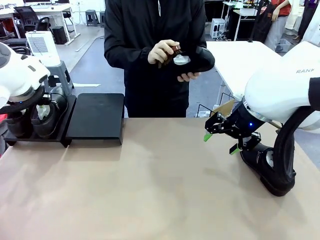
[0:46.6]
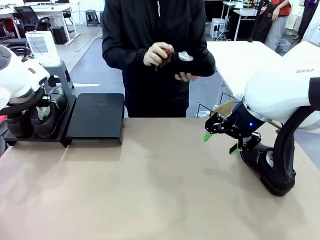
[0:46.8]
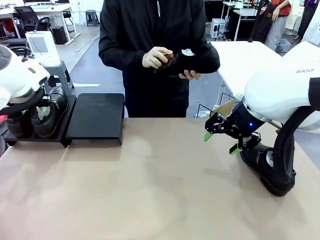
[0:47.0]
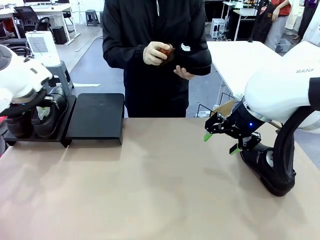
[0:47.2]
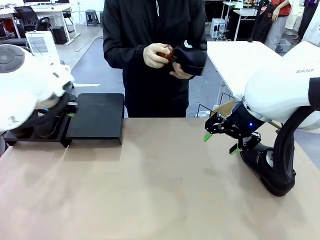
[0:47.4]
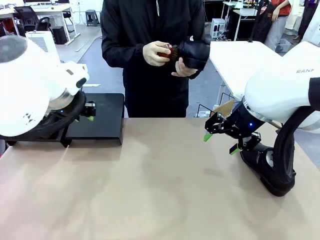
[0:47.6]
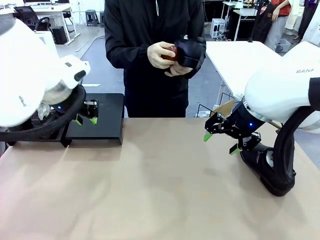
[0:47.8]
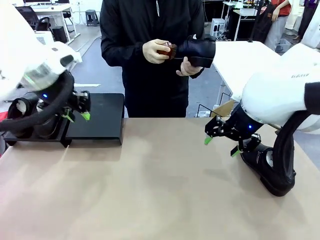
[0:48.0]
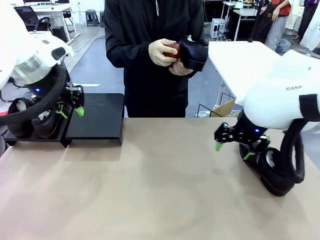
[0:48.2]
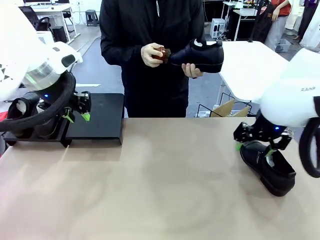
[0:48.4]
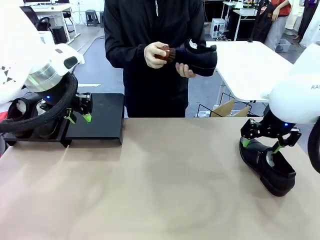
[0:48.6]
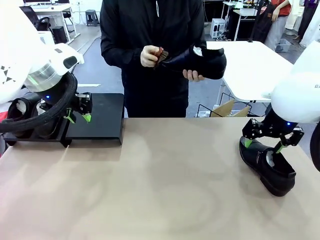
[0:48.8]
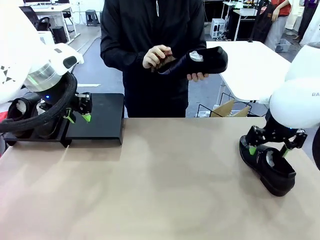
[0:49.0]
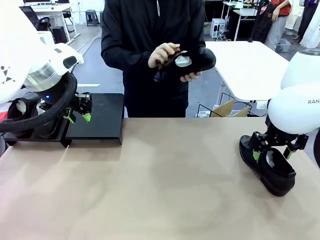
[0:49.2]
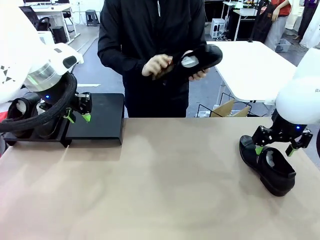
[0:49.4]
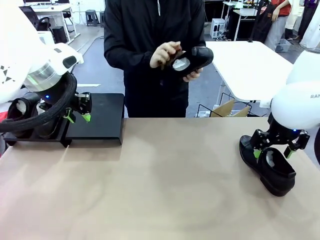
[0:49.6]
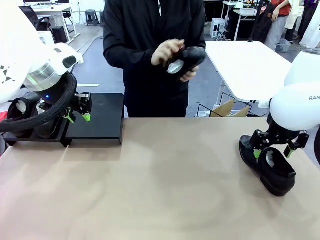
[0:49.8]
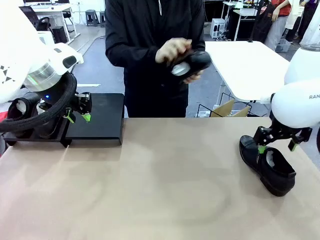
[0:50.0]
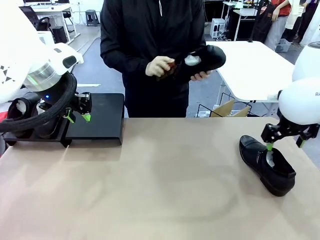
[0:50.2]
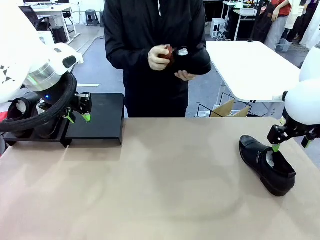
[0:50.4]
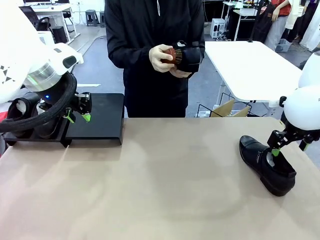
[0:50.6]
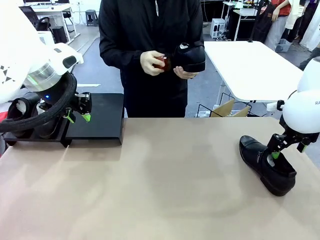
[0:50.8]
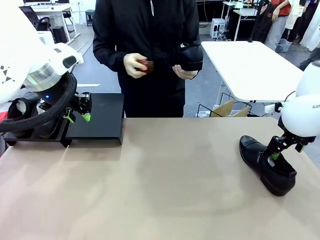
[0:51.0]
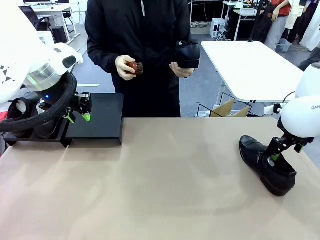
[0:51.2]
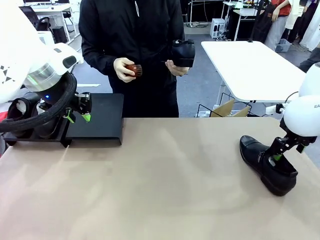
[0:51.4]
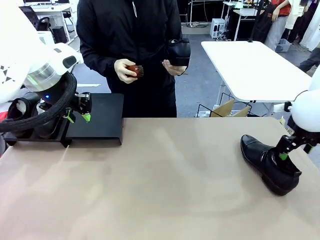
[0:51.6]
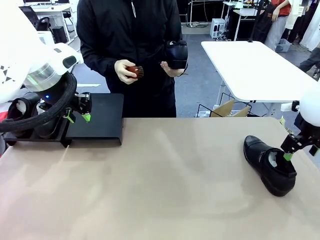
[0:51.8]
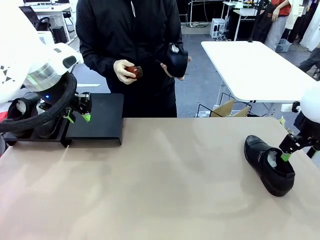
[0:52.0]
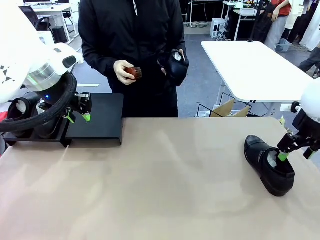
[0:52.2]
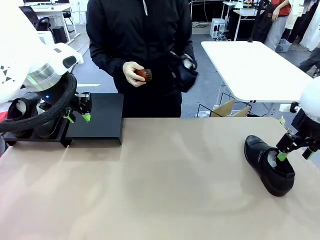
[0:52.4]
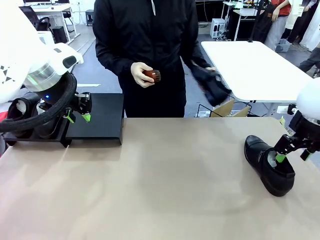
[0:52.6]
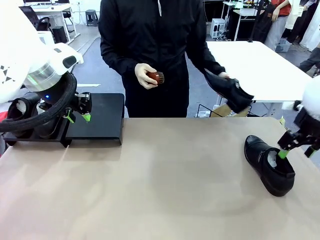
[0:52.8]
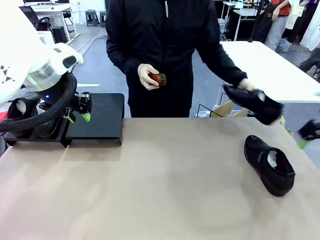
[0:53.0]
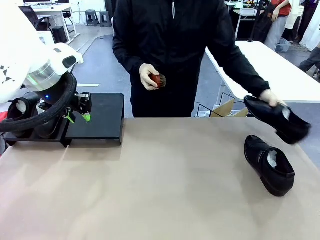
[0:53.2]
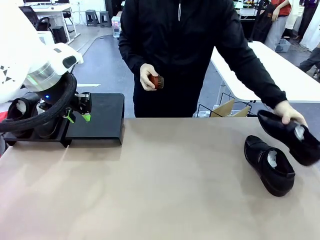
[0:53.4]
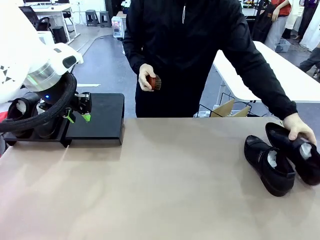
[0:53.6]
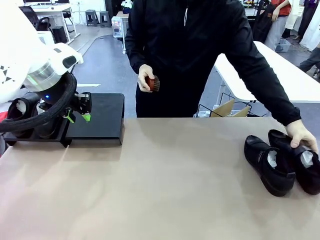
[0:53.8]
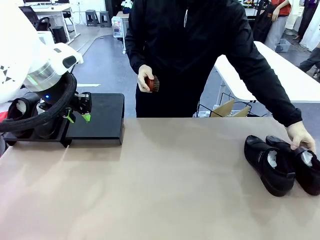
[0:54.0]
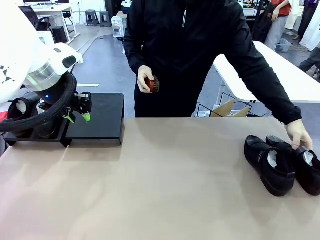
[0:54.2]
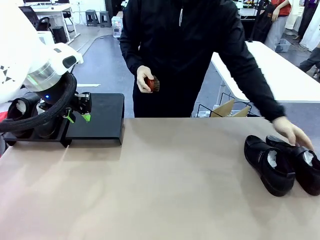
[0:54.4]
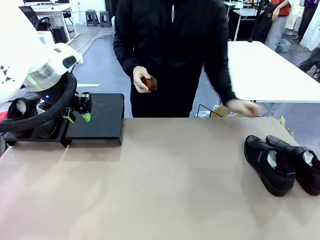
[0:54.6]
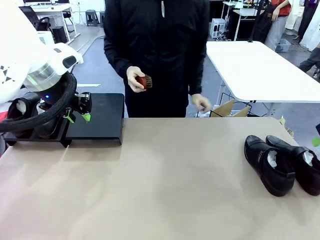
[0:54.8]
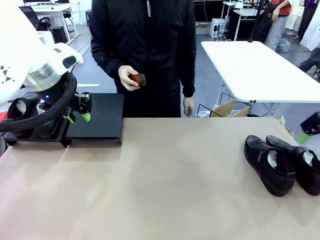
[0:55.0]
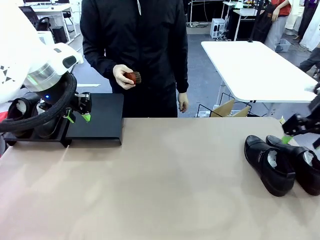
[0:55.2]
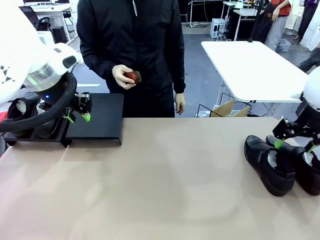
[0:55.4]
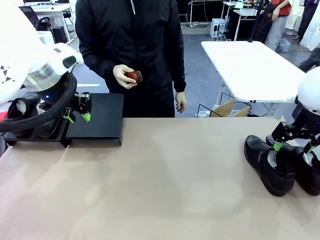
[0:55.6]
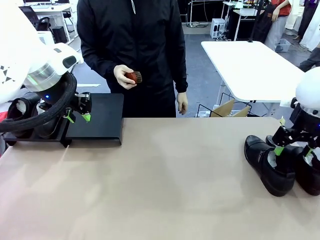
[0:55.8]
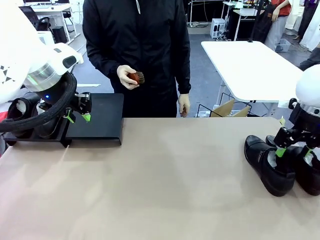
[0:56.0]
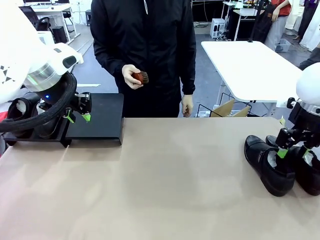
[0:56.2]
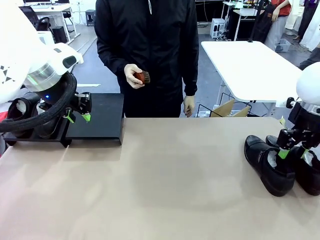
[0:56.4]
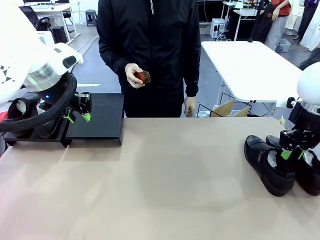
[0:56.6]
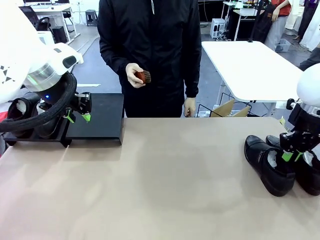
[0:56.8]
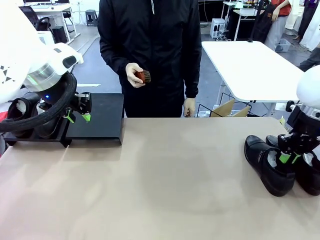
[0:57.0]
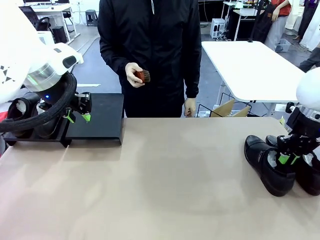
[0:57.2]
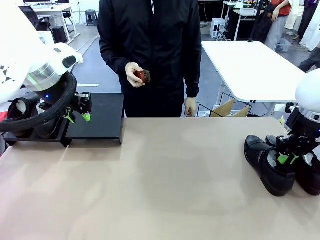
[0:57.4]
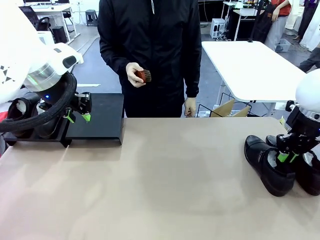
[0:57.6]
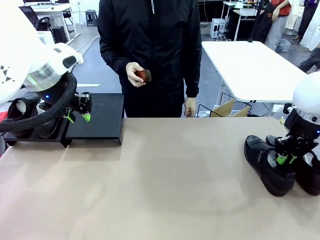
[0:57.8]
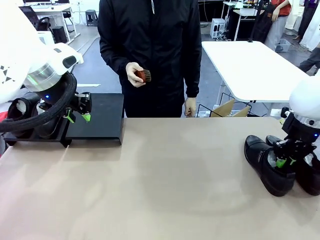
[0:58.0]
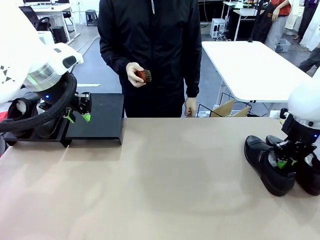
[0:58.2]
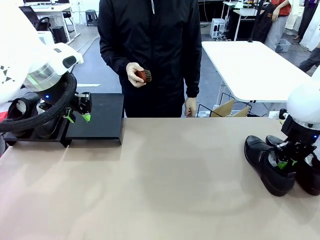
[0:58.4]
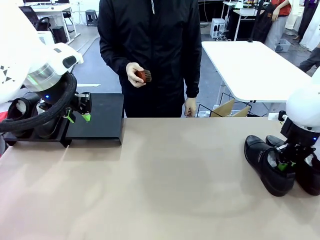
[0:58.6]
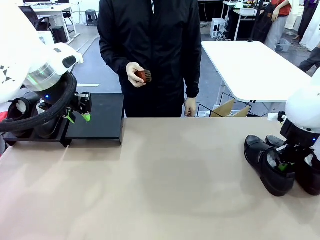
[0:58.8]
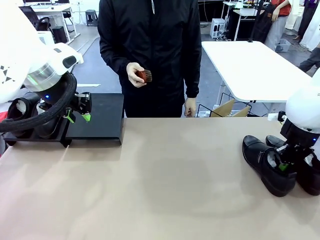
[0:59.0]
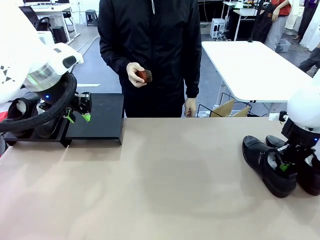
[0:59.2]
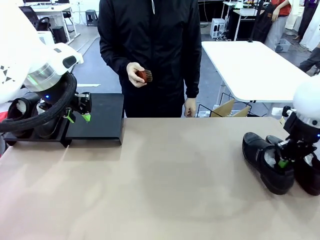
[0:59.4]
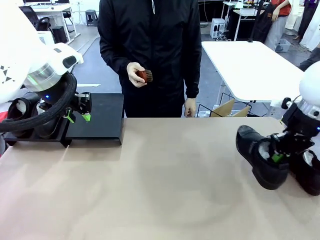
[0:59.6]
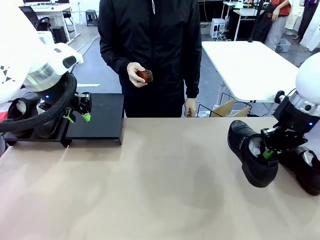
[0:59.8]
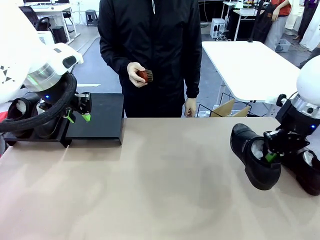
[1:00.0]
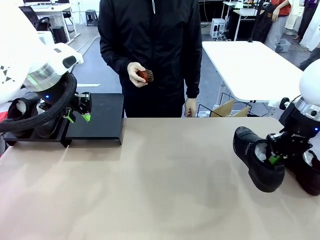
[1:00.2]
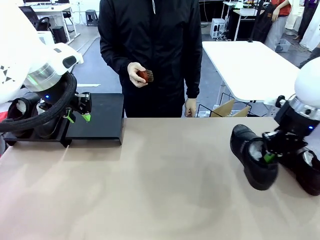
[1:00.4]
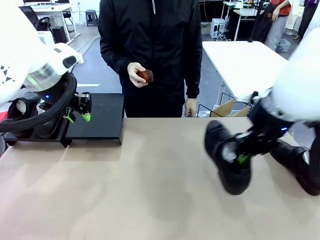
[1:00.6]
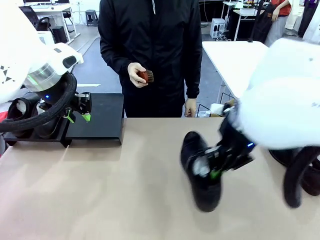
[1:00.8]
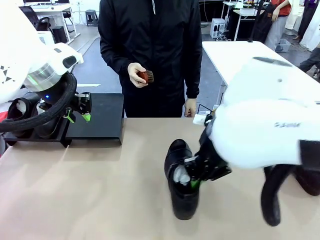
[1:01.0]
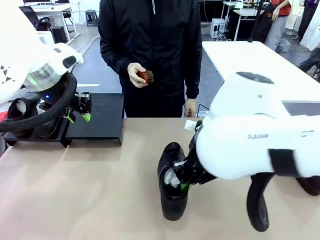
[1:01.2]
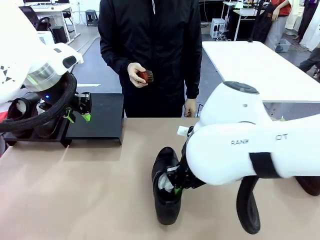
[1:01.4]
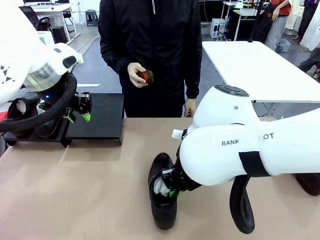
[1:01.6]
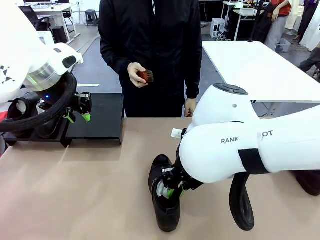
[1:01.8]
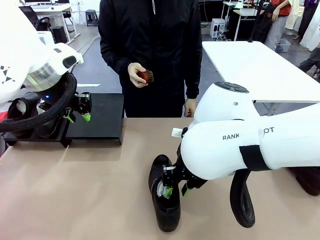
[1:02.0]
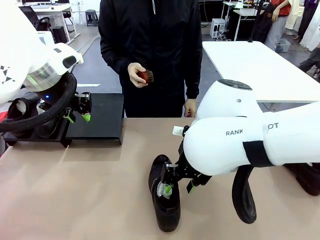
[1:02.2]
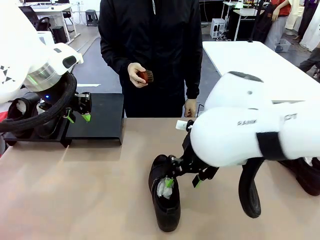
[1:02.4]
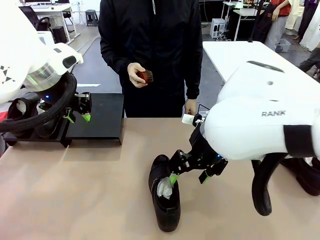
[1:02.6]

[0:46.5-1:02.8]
Task: Organize the shoes by placing them on the stand.
Robot: Pick up one Shoe and place it in the middle of the table.
